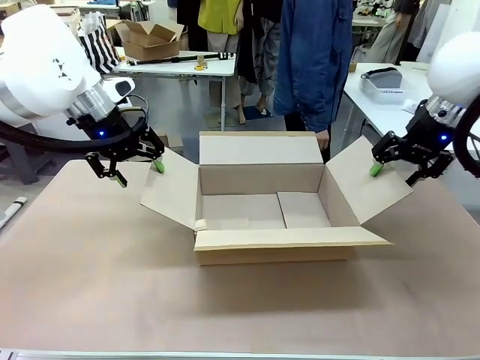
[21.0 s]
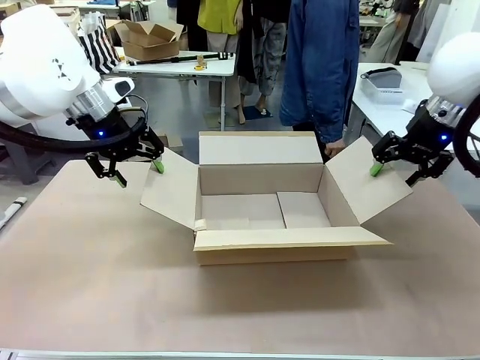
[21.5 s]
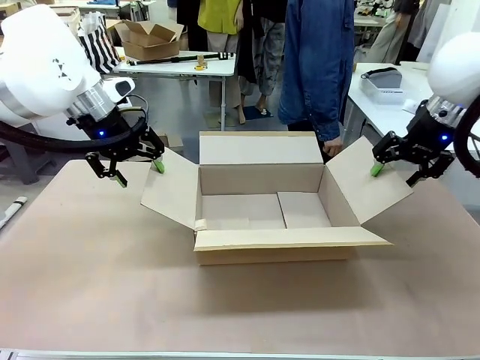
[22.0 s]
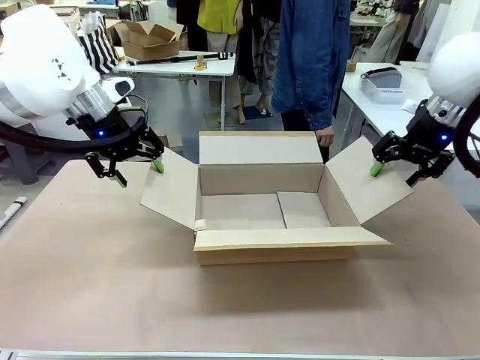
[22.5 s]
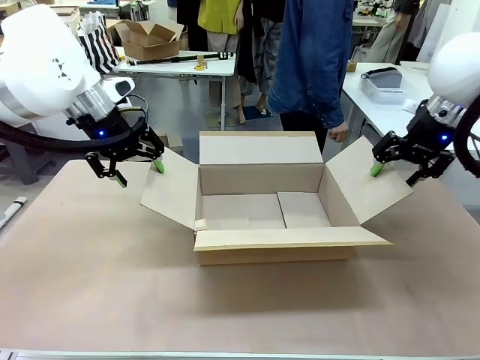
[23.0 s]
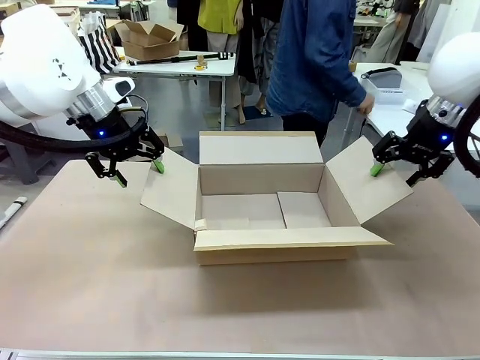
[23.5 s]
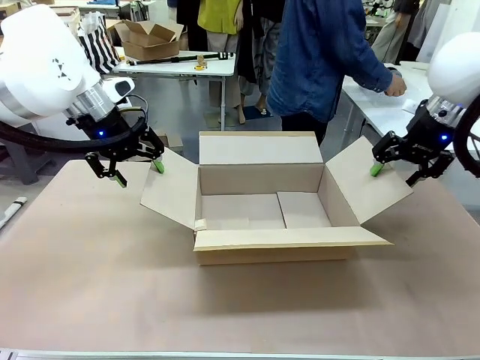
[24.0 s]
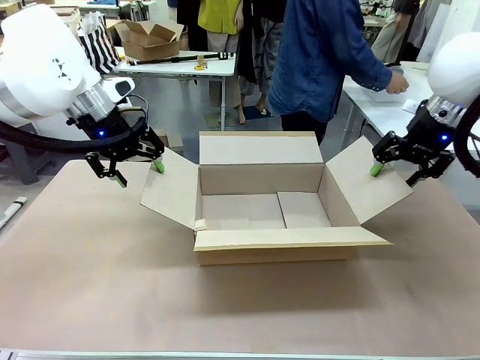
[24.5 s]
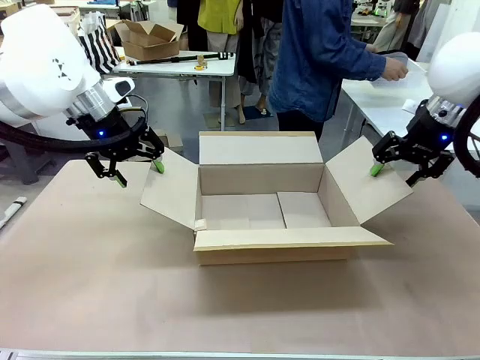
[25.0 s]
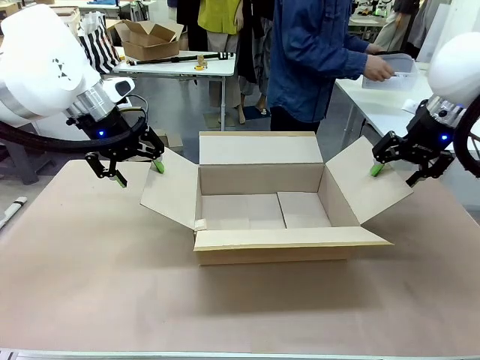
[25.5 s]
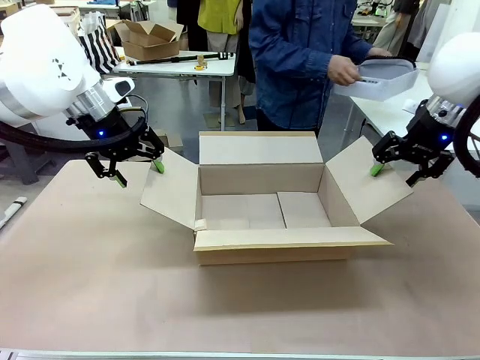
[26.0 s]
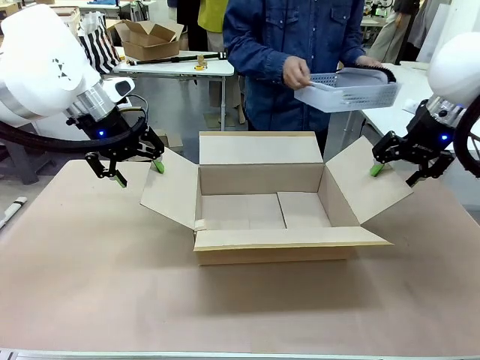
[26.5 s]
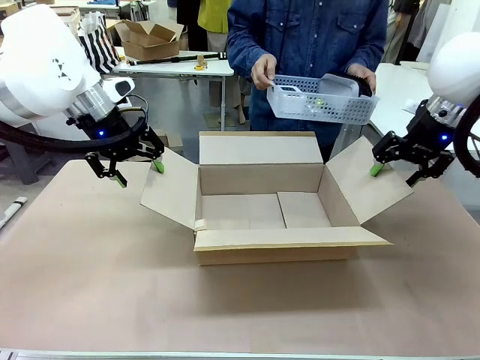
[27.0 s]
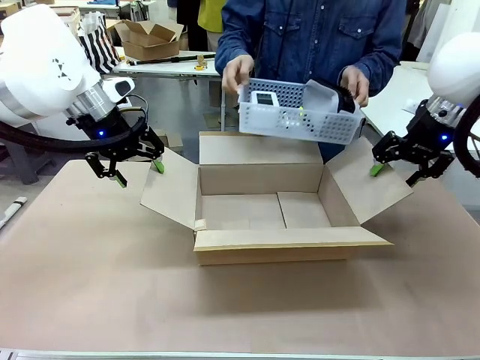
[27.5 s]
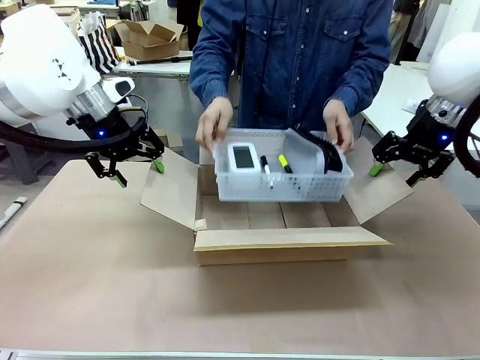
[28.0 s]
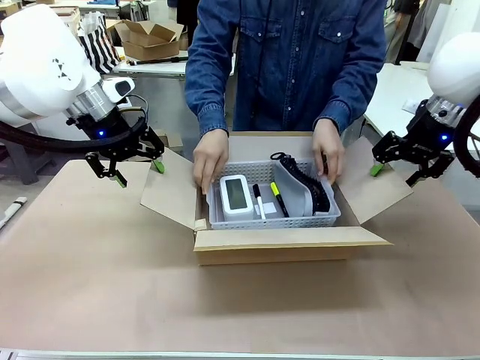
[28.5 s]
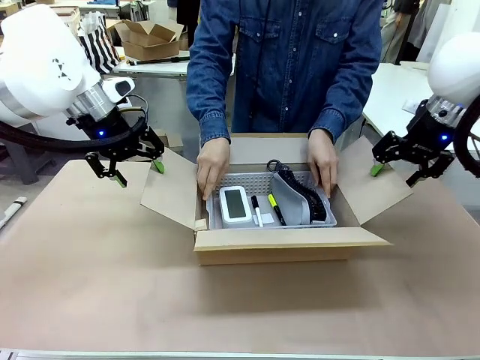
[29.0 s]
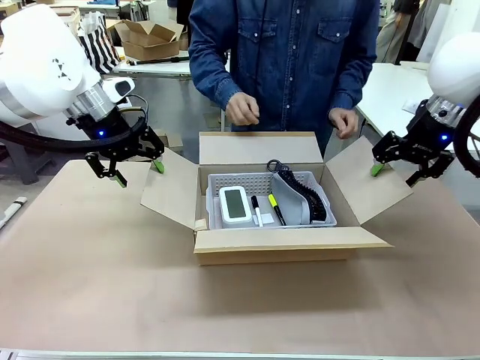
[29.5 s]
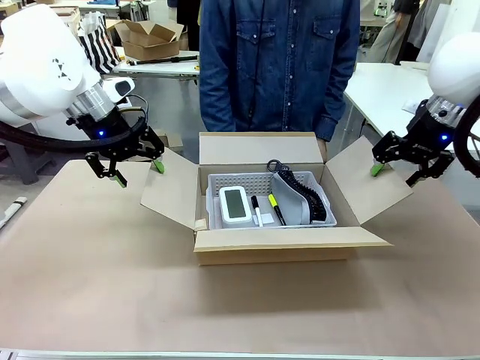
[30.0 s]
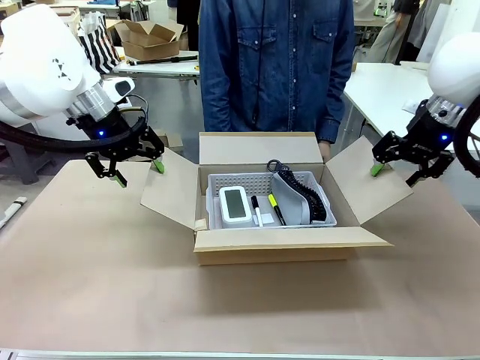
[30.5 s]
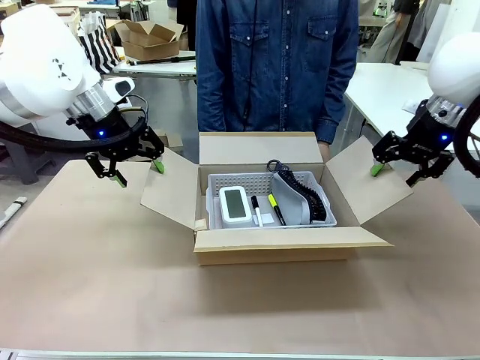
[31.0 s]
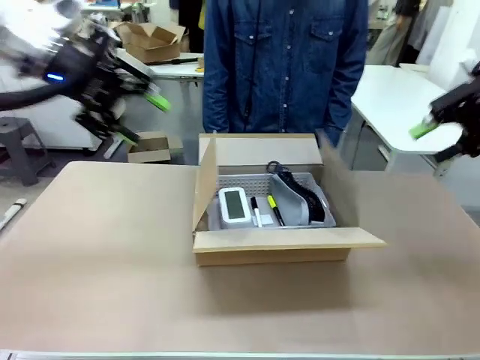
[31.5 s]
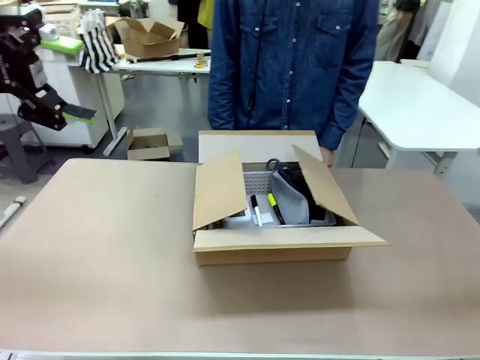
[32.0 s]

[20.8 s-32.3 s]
Task: Pack the gift set into the box.
Robot: Lift both hands away from the flaps of the Package Box.
Person: The human picks up the organizing basket and places the organizing basket into the package box on the robot table.

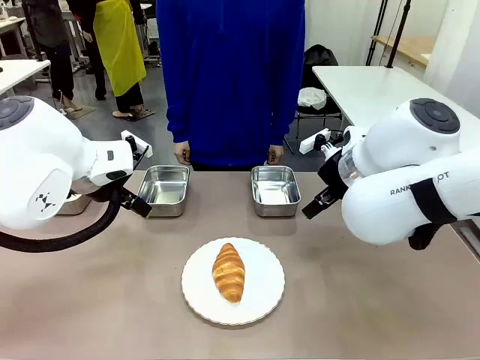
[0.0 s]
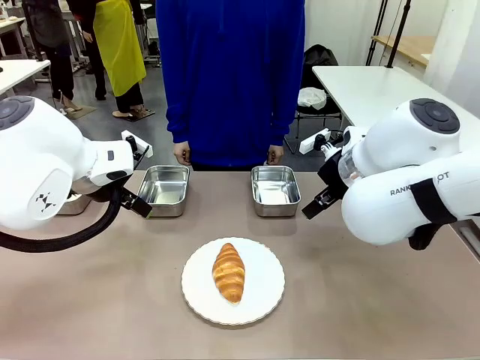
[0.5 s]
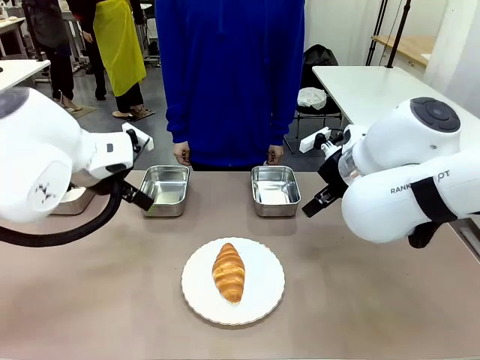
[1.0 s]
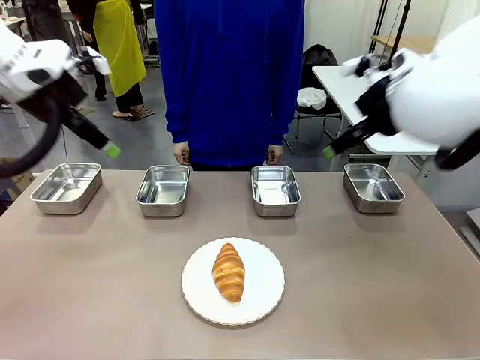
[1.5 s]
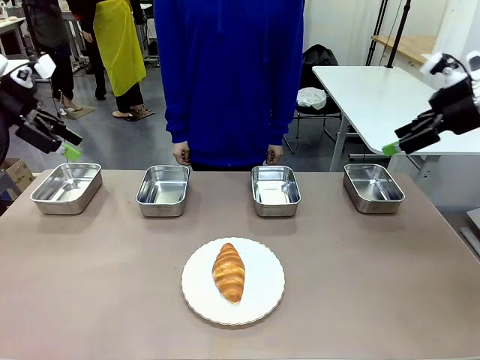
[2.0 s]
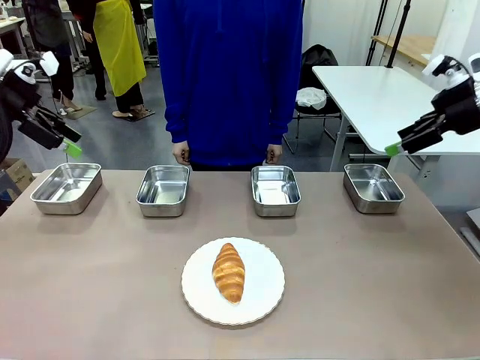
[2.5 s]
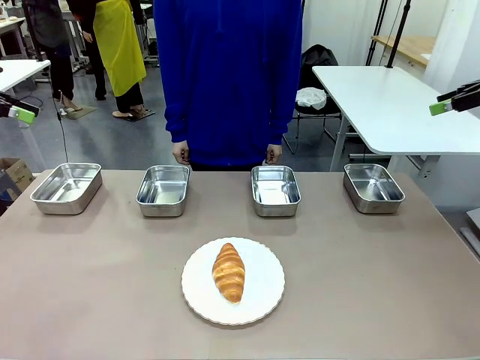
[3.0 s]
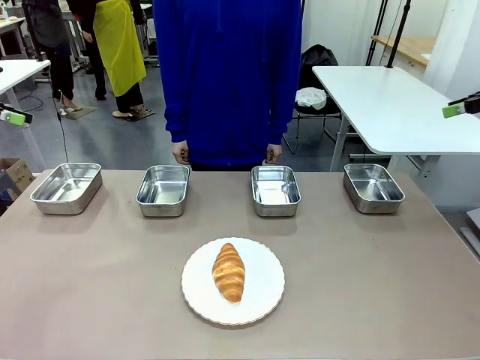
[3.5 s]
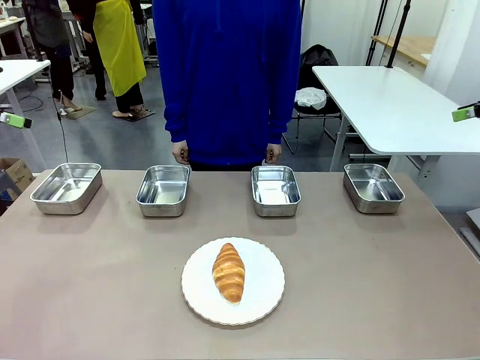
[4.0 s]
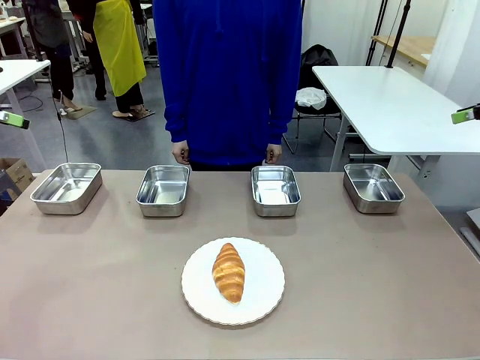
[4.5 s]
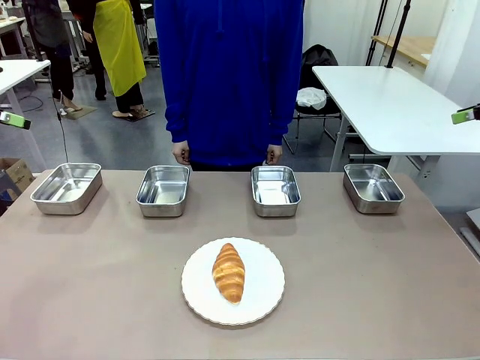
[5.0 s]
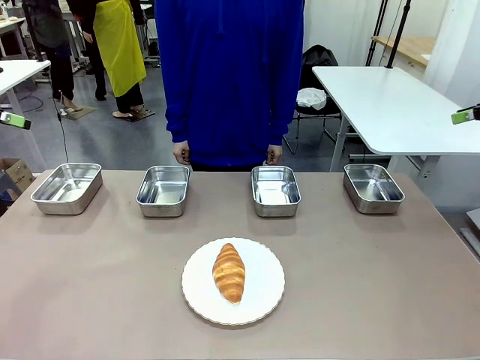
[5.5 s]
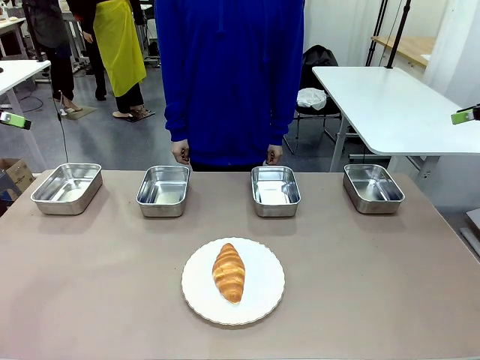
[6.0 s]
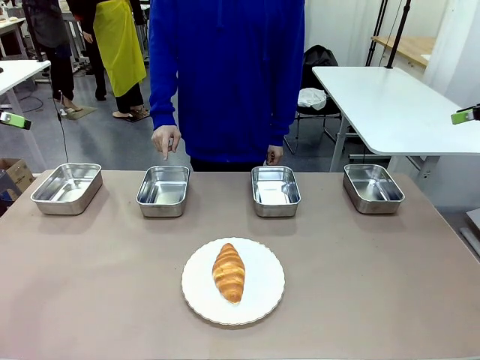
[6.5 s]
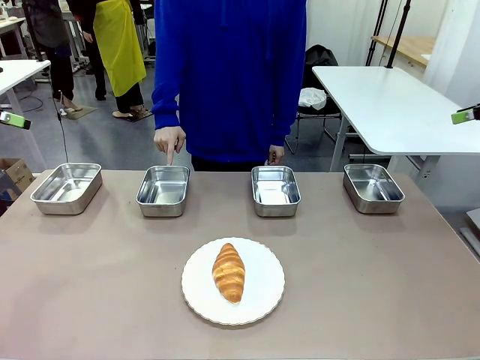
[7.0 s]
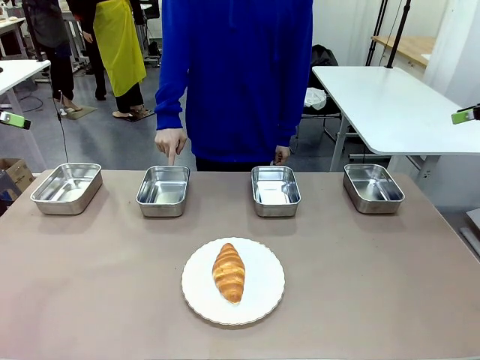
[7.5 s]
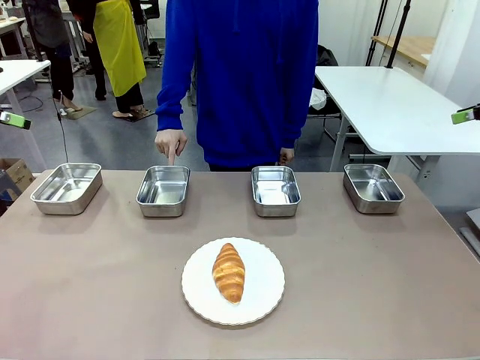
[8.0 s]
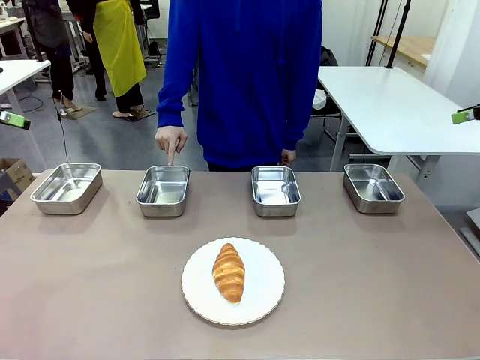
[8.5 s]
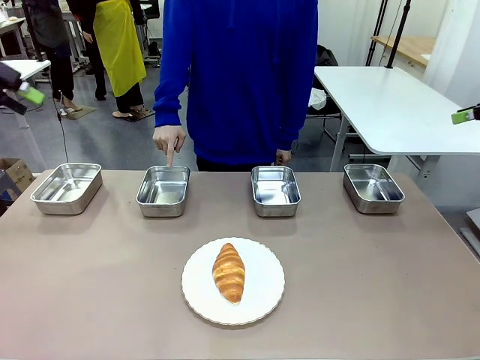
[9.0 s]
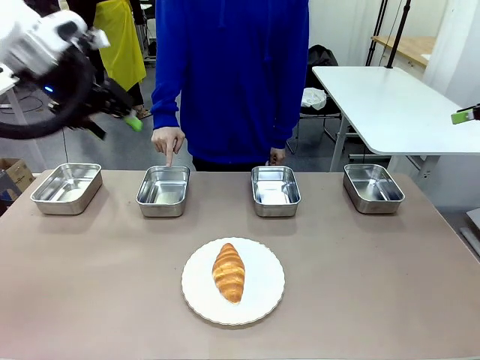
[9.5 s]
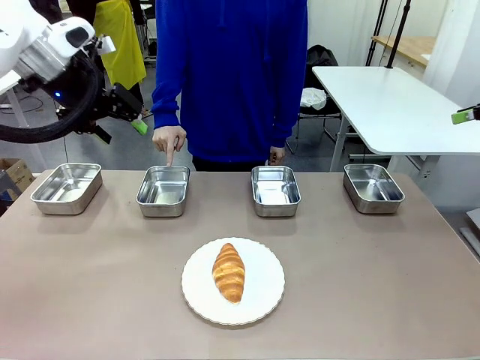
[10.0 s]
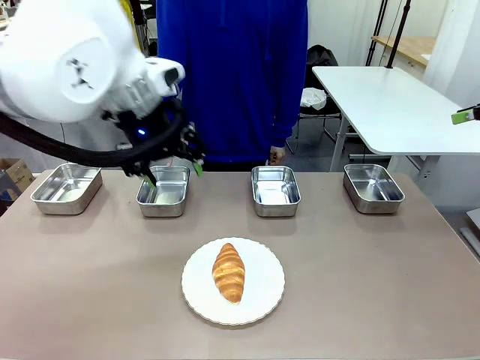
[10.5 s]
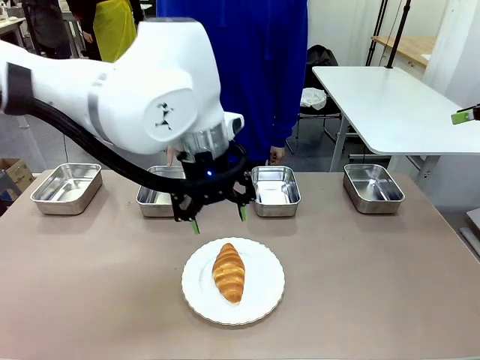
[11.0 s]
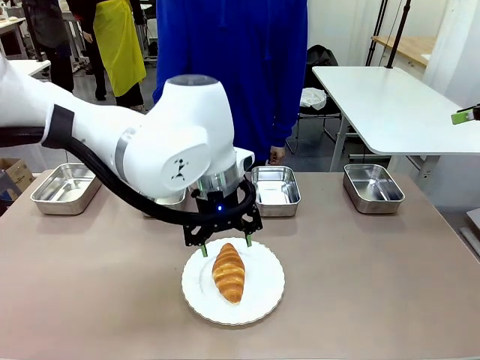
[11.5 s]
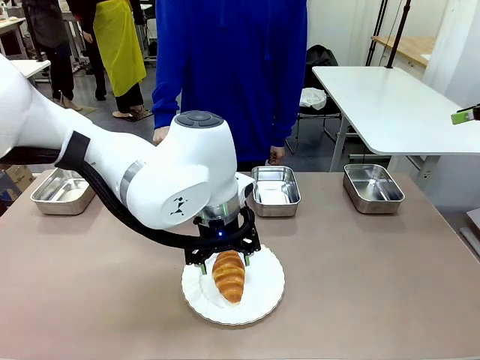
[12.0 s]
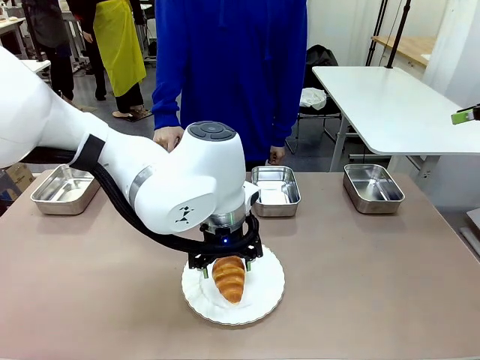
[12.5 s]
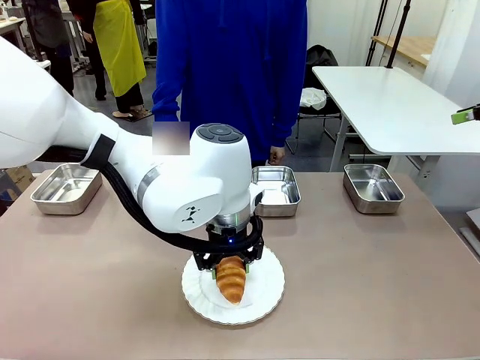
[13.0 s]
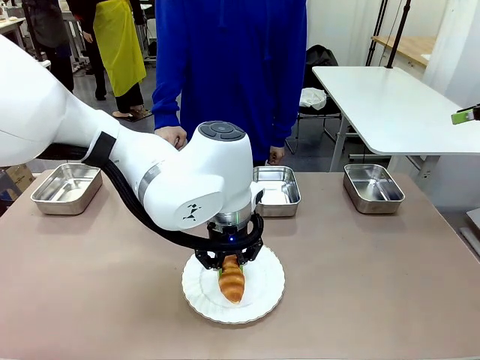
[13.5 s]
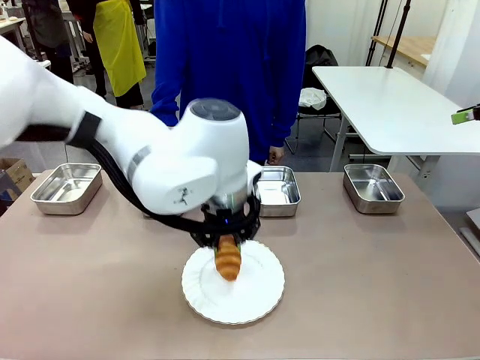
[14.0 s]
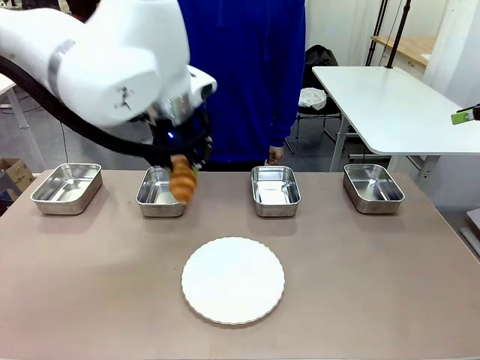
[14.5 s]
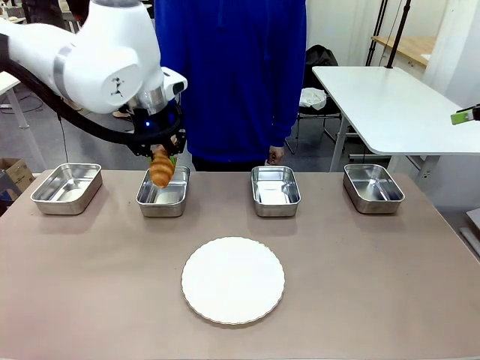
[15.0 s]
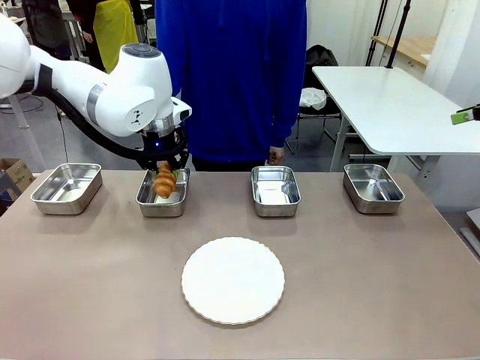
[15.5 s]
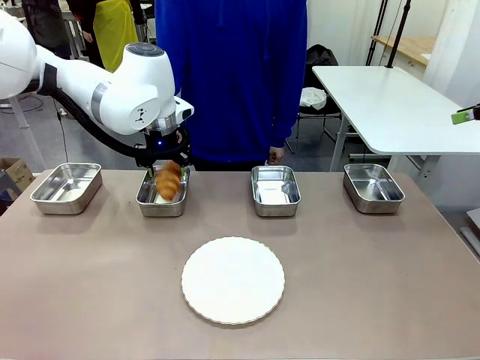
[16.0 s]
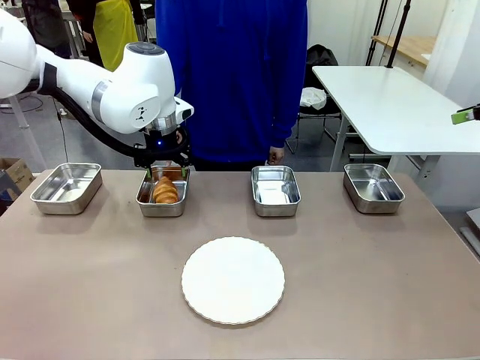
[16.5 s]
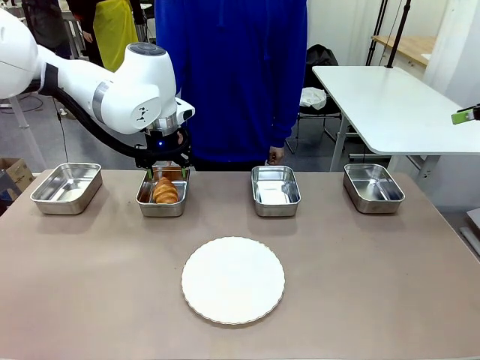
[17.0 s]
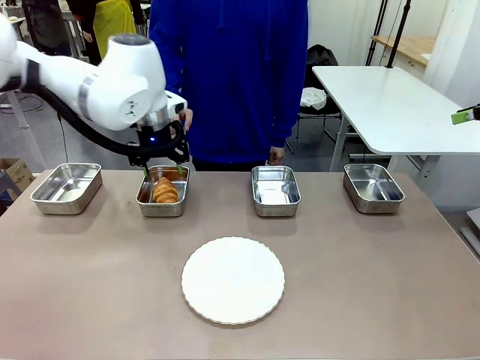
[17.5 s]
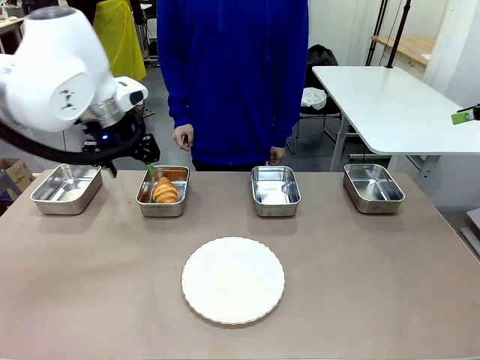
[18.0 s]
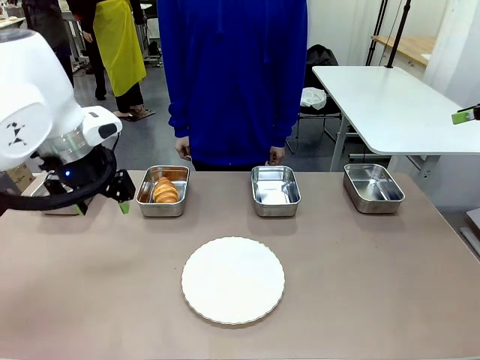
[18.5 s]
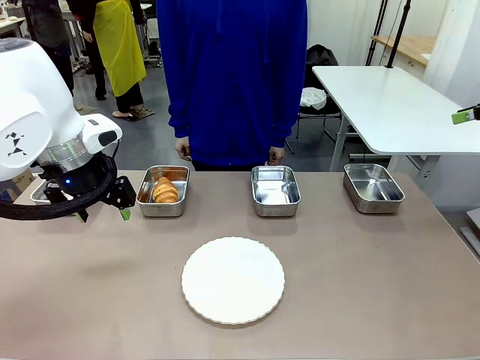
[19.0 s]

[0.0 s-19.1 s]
Task: Place the bread in the container.
Robot: Place the Butter Roll into the Airtight Container indicated by the human.
Person: A person randomly selects and points to an Airtight Container.
